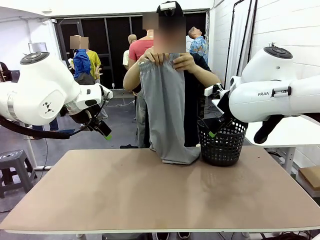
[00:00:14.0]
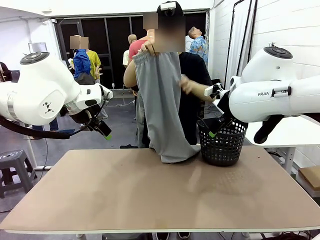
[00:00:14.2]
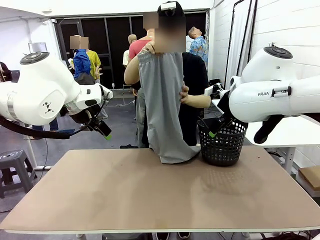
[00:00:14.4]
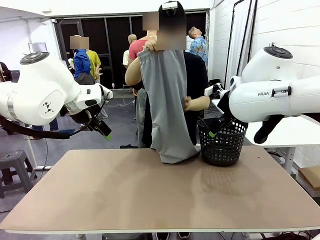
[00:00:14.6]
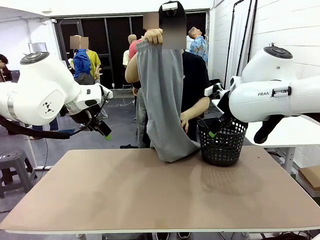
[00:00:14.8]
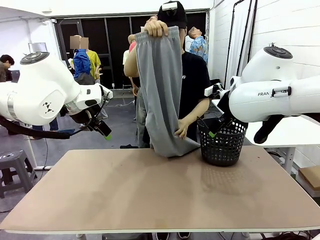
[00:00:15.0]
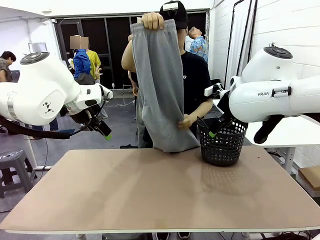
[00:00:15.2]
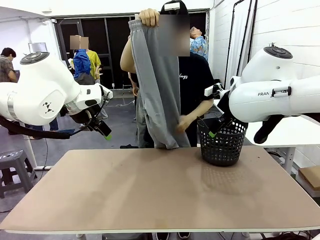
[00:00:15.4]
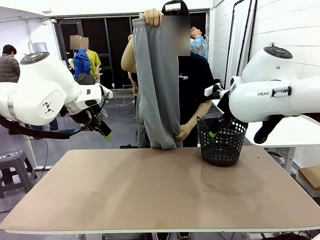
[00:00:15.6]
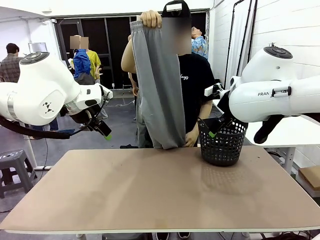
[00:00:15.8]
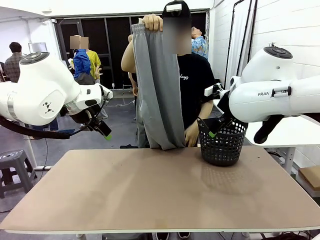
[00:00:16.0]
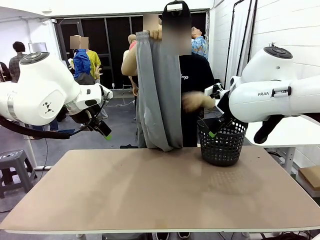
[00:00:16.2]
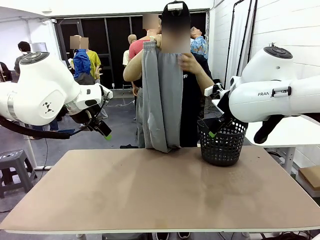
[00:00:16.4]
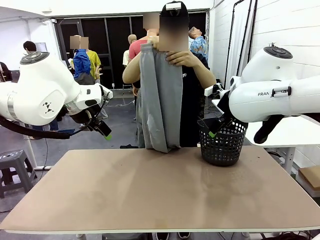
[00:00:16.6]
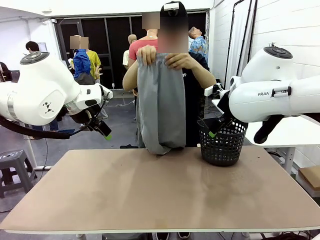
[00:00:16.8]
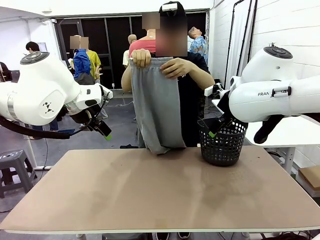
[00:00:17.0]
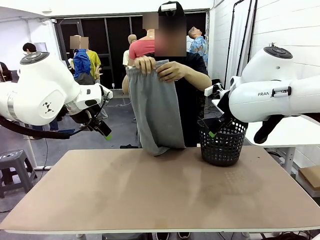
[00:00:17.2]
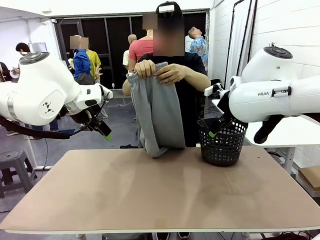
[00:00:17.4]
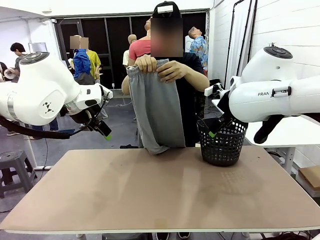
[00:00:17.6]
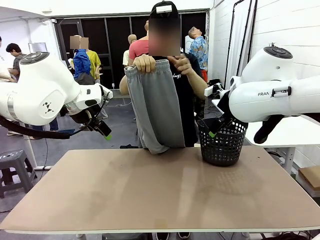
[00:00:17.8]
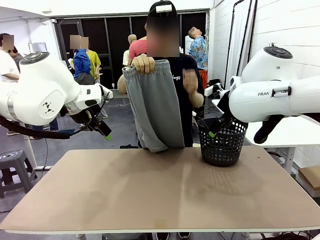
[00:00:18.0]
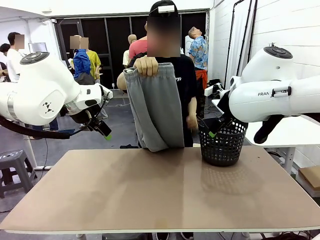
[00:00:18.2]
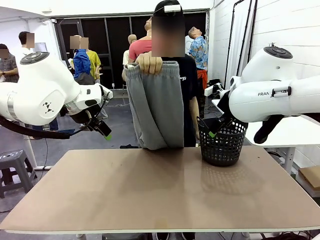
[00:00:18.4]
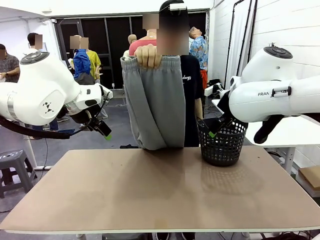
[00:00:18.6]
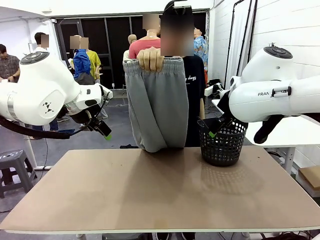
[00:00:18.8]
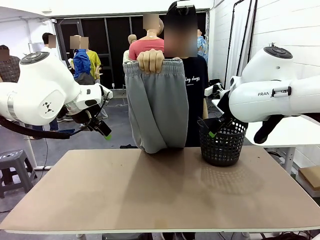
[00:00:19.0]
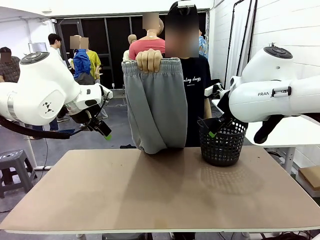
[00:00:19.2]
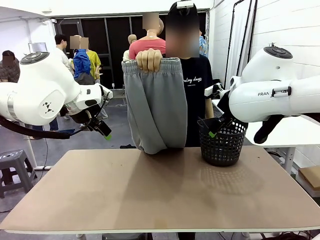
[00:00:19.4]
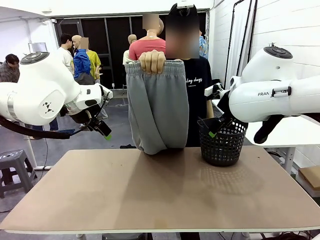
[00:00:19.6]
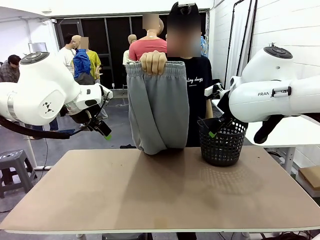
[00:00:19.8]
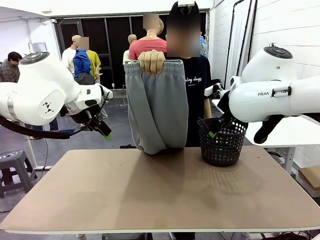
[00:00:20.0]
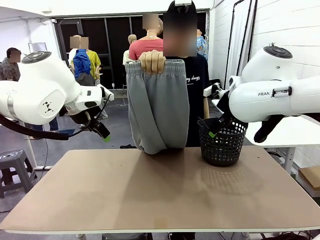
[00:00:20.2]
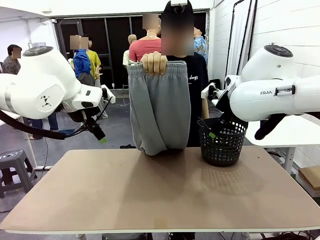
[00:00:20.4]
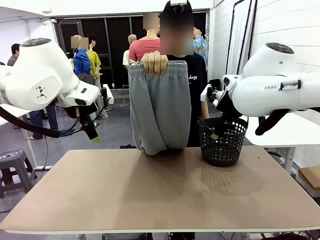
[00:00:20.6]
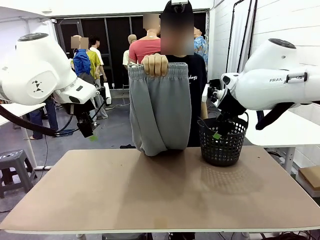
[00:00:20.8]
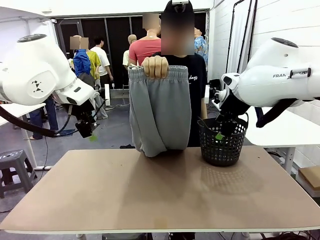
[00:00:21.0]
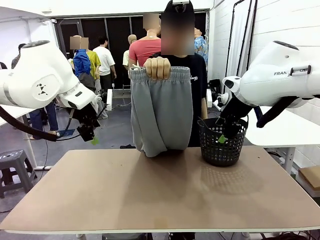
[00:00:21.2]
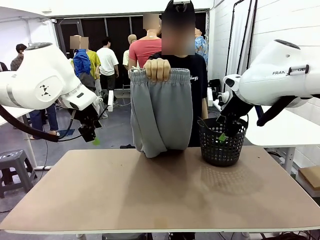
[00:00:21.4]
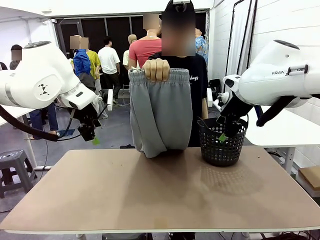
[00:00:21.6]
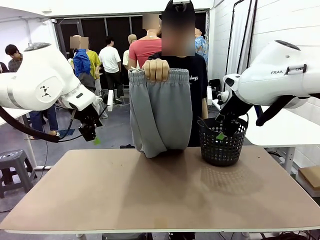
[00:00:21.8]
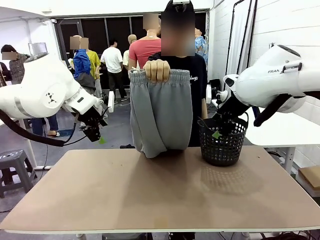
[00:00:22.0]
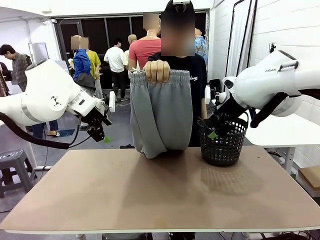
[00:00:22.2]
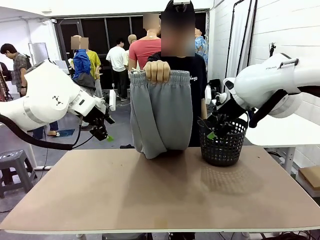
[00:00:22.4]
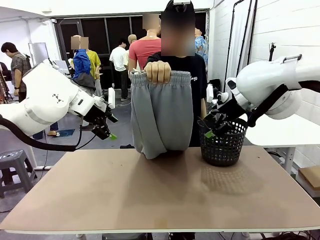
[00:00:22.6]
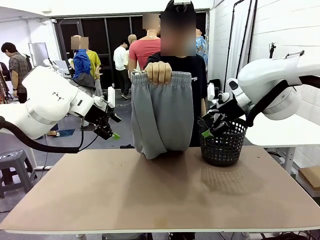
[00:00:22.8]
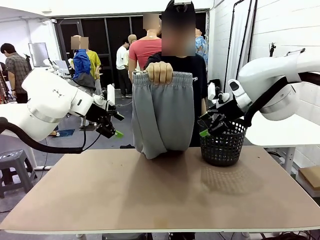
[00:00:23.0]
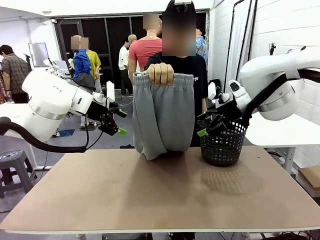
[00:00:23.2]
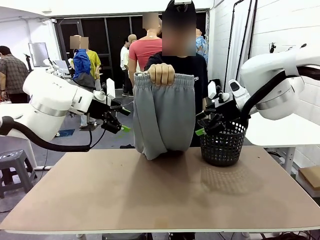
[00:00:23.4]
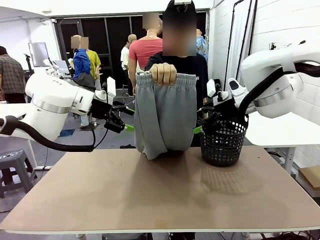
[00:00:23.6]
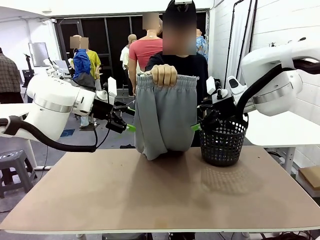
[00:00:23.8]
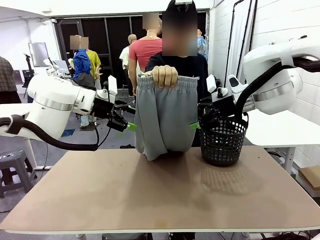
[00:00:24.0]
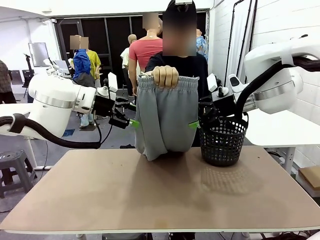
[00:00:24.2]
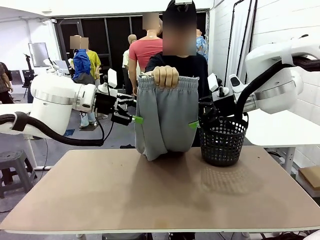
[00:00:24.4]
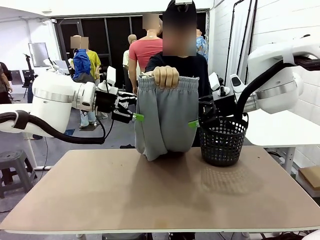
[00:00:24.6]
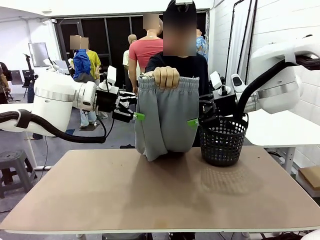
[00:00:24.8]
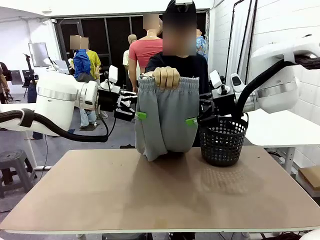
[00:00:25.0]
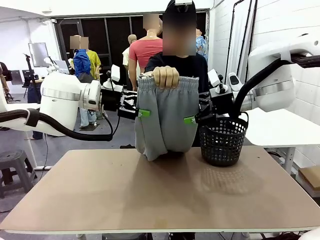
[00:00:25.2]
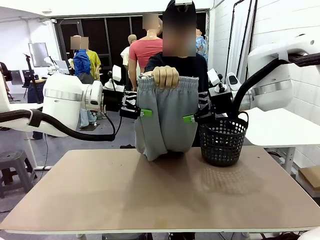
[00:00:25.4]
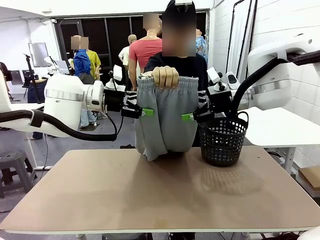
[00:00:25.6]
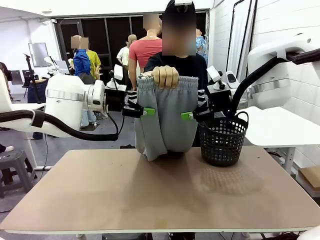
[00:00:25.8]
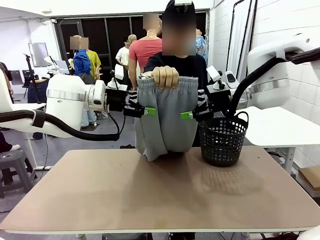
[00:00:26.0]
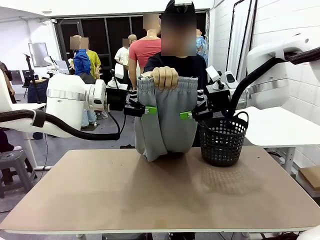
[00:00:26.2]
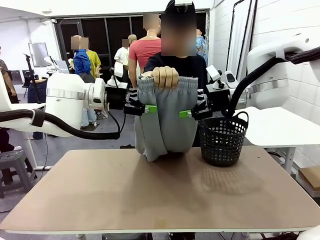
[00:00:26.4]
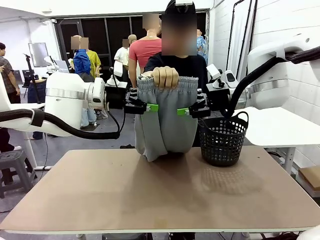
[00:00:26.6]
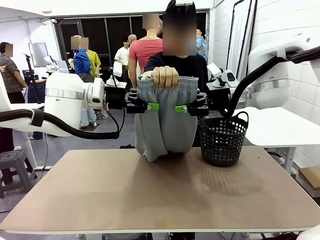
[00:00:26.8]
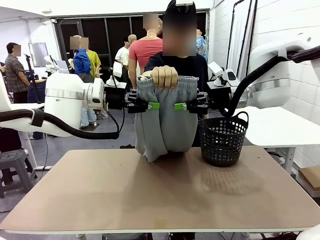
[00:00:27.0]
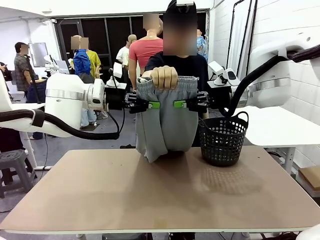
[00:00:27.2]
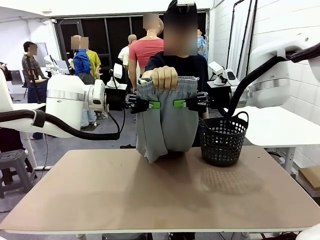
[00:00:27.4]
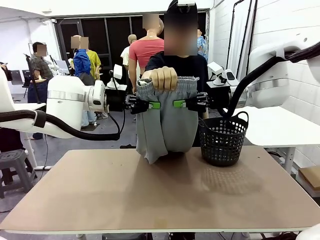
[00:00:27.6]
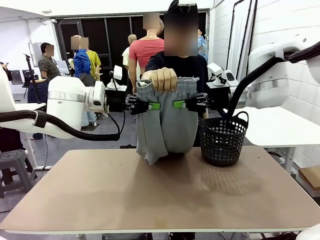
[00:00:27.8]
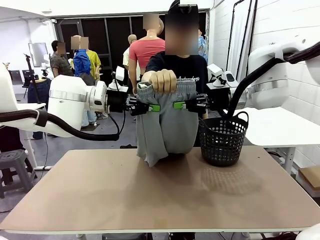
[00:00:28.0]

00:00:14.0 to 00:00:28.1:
Task: Fold the training pants.
Robot: Grab both ends of the Training pants handed by a person.
